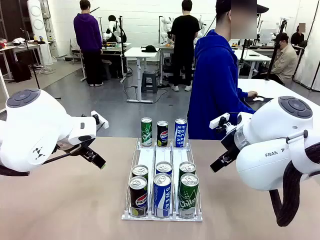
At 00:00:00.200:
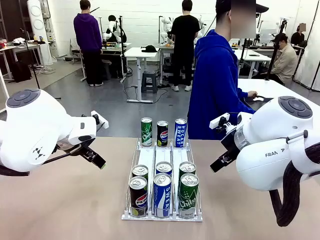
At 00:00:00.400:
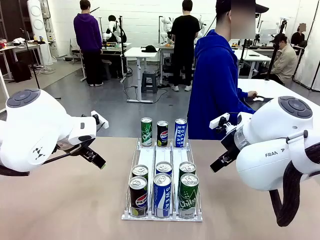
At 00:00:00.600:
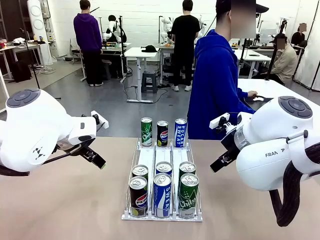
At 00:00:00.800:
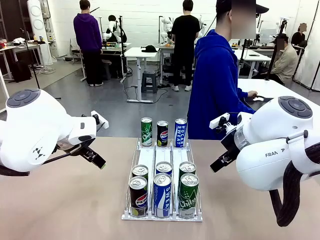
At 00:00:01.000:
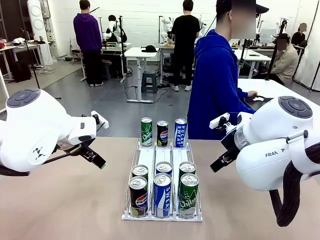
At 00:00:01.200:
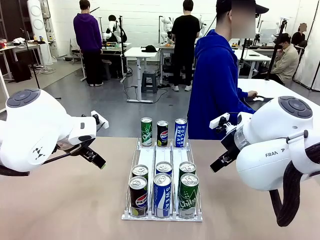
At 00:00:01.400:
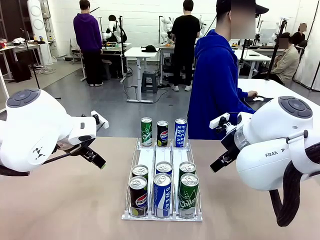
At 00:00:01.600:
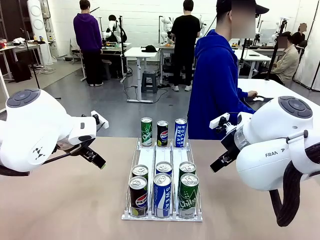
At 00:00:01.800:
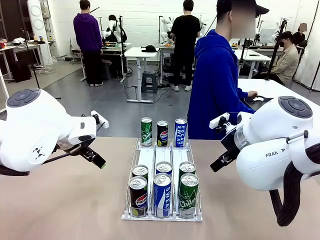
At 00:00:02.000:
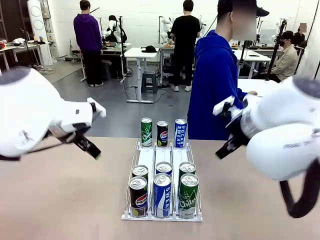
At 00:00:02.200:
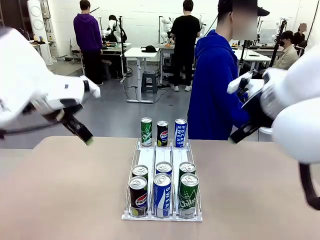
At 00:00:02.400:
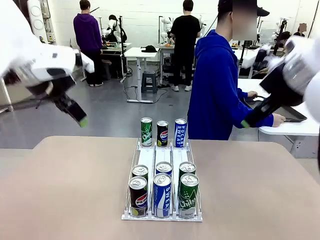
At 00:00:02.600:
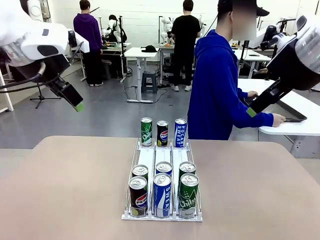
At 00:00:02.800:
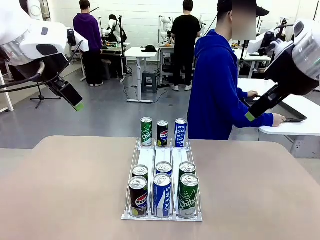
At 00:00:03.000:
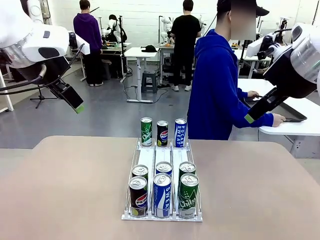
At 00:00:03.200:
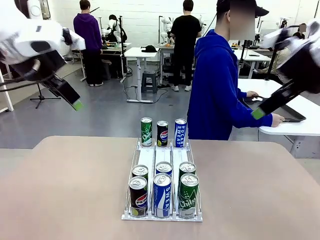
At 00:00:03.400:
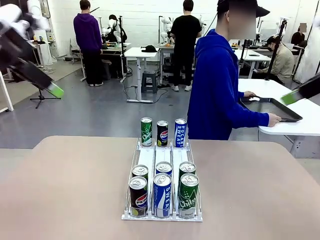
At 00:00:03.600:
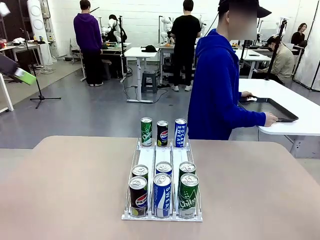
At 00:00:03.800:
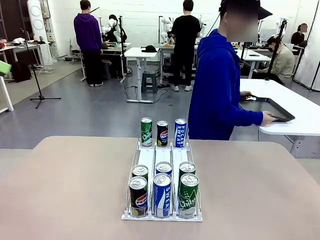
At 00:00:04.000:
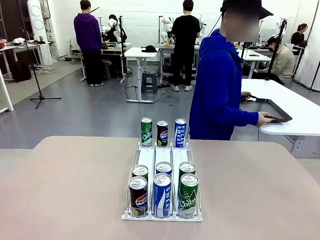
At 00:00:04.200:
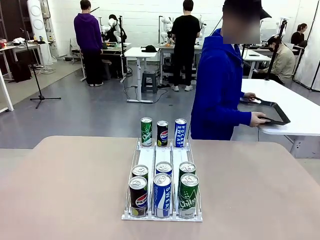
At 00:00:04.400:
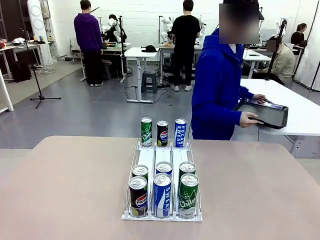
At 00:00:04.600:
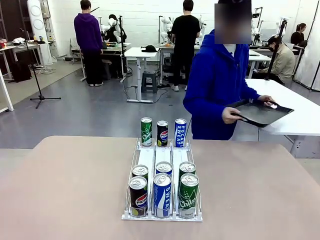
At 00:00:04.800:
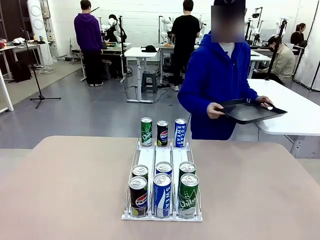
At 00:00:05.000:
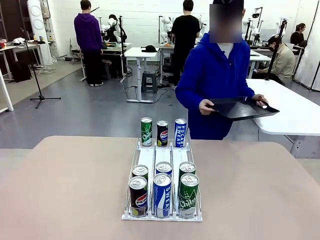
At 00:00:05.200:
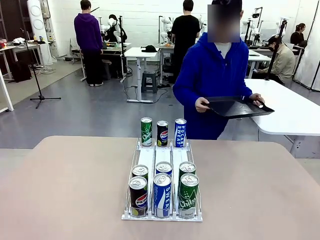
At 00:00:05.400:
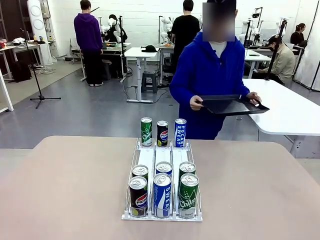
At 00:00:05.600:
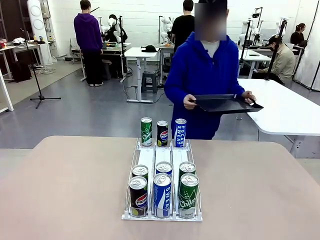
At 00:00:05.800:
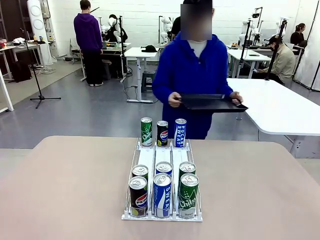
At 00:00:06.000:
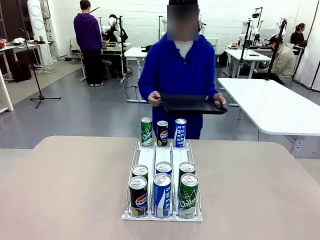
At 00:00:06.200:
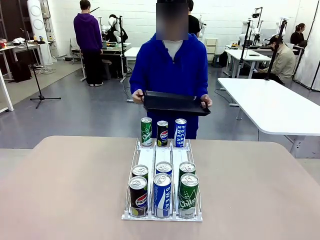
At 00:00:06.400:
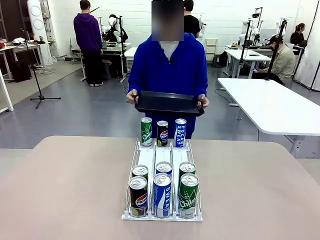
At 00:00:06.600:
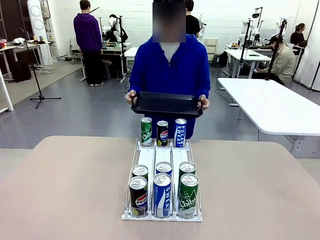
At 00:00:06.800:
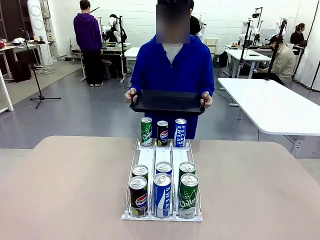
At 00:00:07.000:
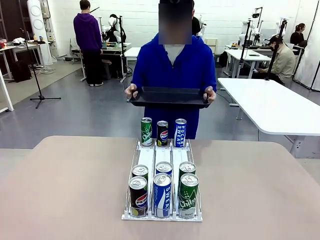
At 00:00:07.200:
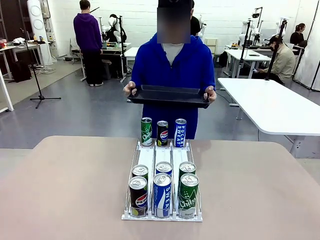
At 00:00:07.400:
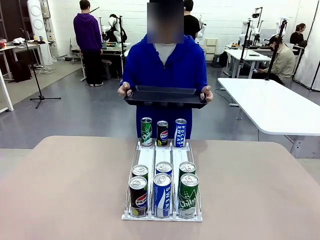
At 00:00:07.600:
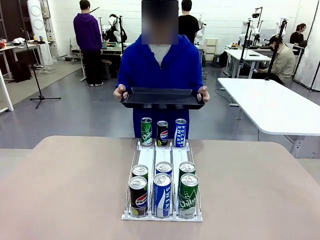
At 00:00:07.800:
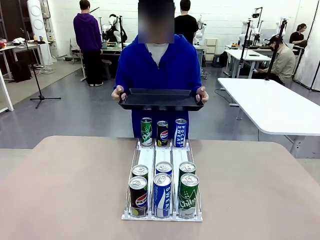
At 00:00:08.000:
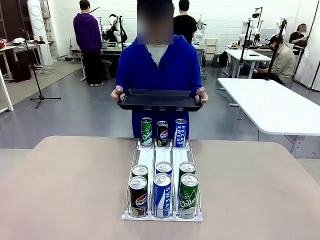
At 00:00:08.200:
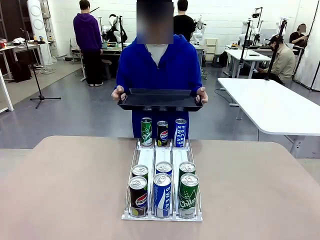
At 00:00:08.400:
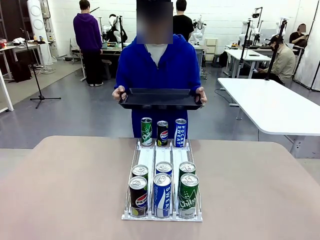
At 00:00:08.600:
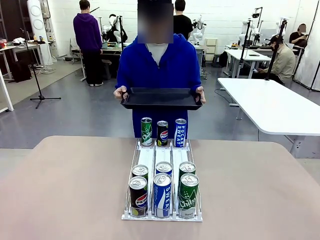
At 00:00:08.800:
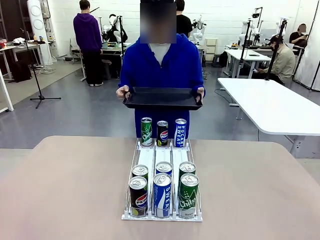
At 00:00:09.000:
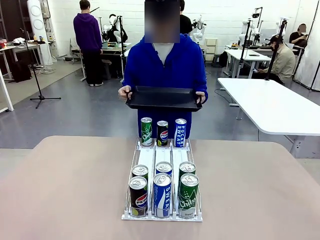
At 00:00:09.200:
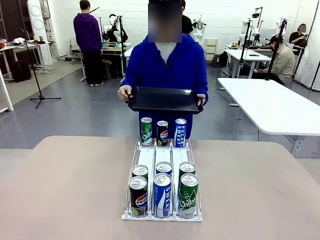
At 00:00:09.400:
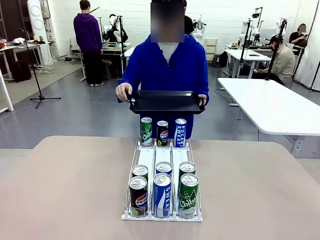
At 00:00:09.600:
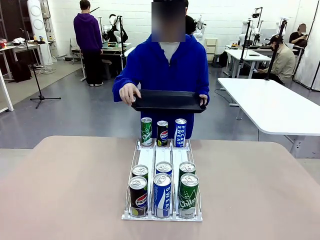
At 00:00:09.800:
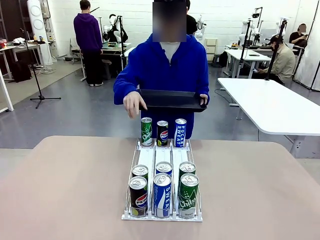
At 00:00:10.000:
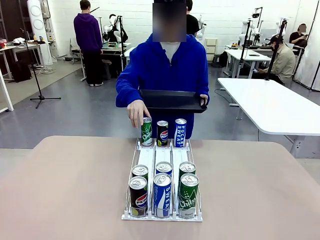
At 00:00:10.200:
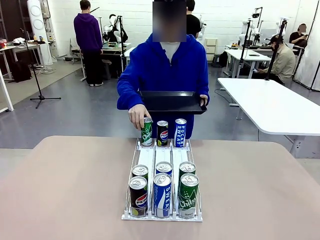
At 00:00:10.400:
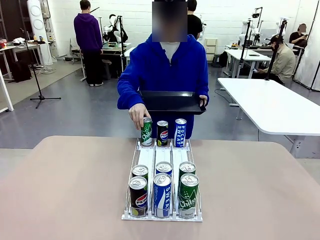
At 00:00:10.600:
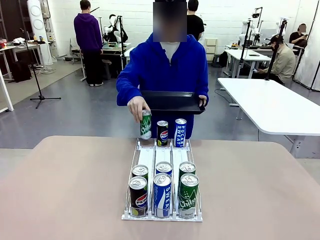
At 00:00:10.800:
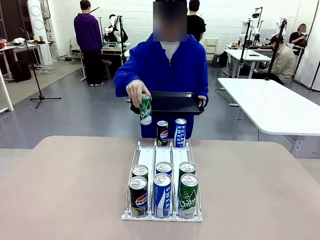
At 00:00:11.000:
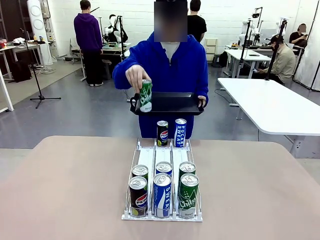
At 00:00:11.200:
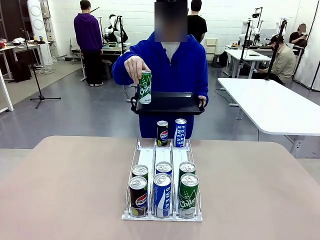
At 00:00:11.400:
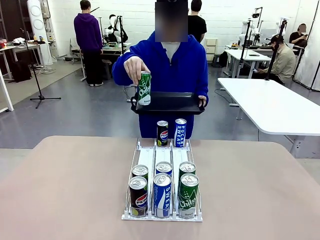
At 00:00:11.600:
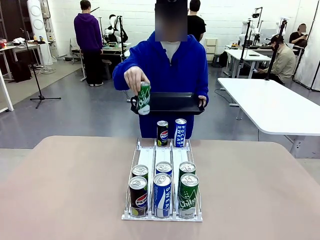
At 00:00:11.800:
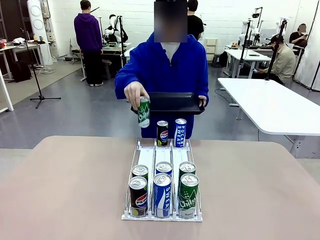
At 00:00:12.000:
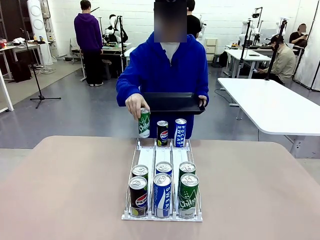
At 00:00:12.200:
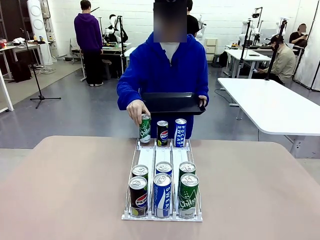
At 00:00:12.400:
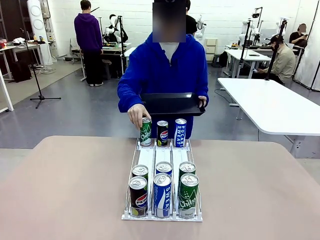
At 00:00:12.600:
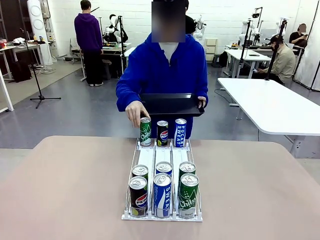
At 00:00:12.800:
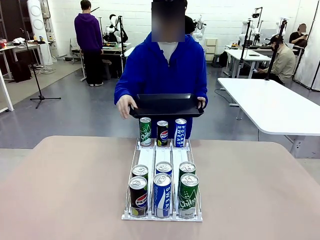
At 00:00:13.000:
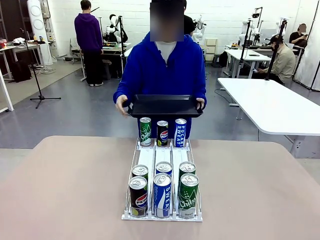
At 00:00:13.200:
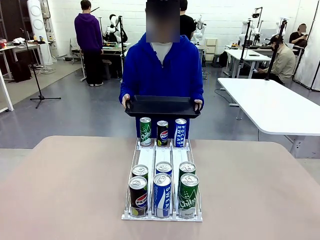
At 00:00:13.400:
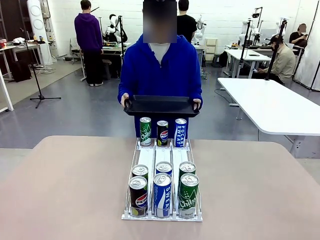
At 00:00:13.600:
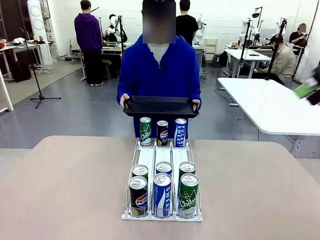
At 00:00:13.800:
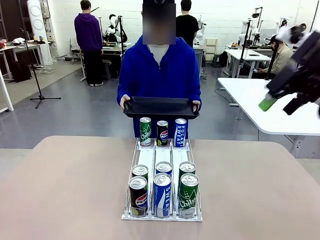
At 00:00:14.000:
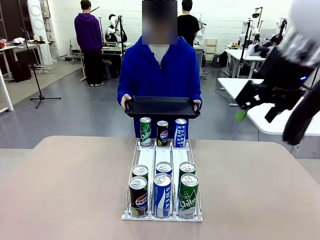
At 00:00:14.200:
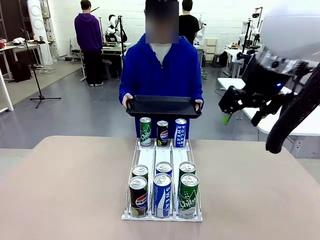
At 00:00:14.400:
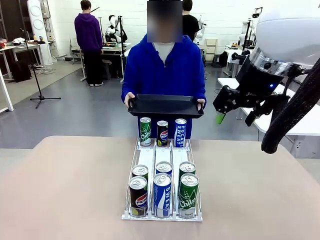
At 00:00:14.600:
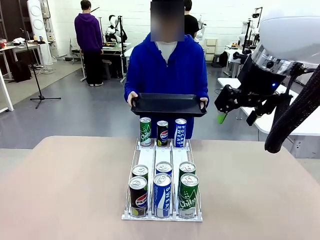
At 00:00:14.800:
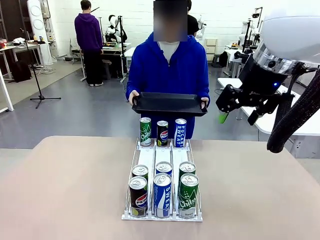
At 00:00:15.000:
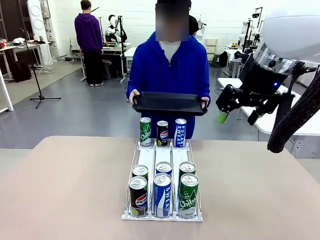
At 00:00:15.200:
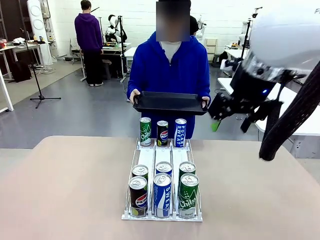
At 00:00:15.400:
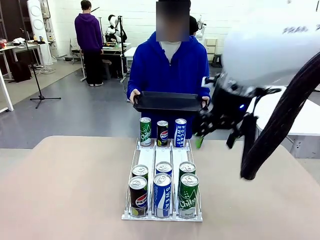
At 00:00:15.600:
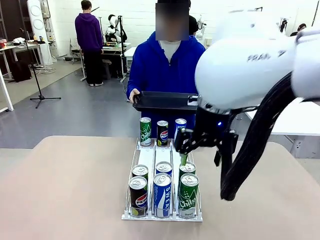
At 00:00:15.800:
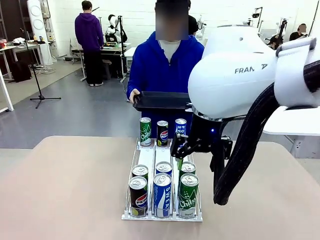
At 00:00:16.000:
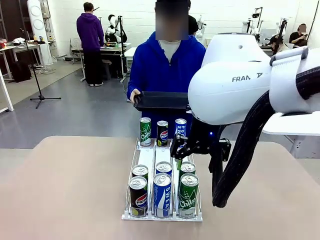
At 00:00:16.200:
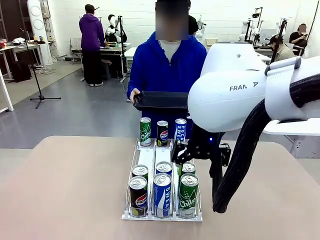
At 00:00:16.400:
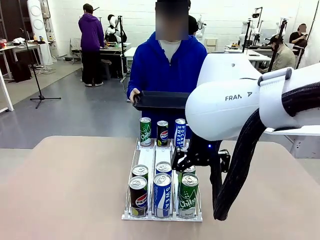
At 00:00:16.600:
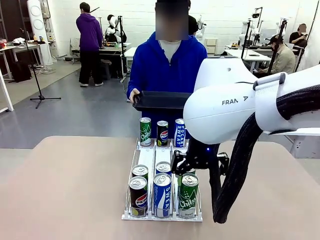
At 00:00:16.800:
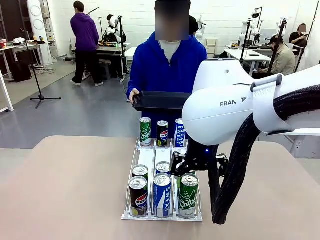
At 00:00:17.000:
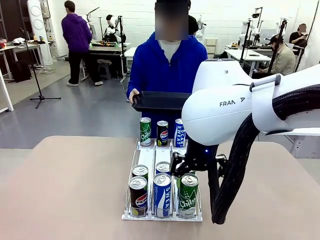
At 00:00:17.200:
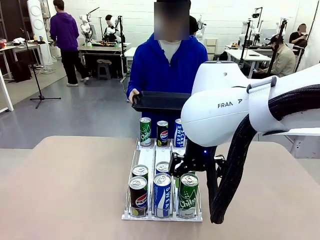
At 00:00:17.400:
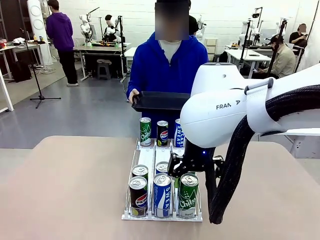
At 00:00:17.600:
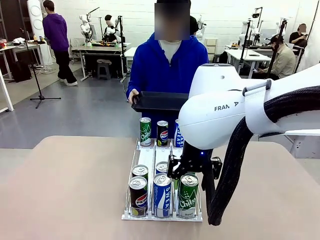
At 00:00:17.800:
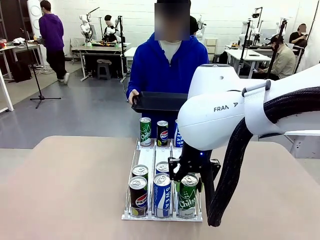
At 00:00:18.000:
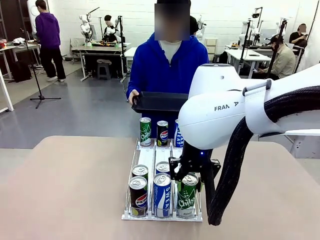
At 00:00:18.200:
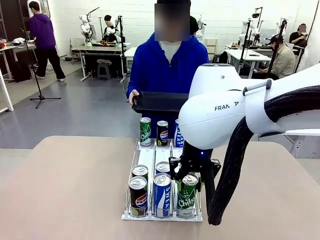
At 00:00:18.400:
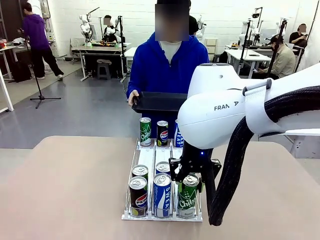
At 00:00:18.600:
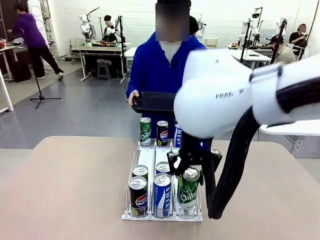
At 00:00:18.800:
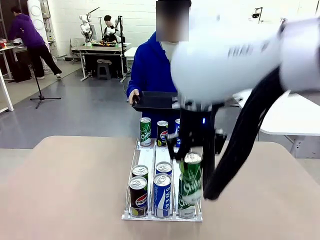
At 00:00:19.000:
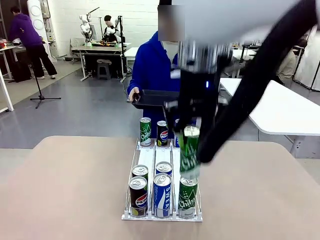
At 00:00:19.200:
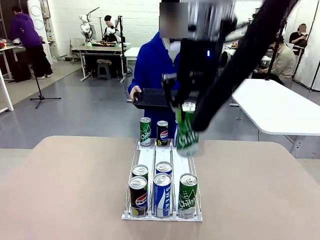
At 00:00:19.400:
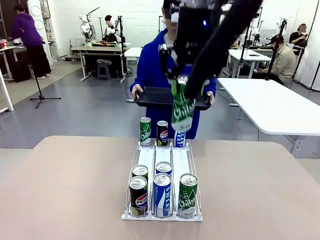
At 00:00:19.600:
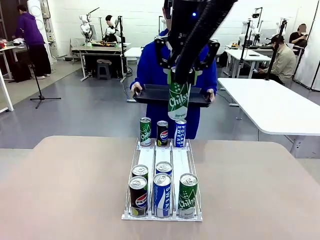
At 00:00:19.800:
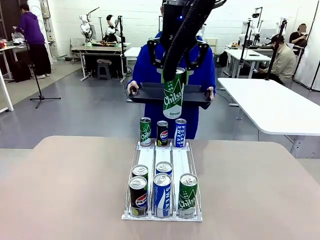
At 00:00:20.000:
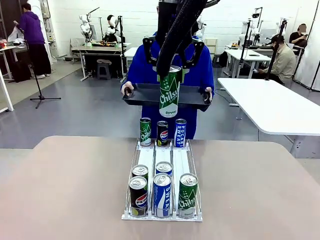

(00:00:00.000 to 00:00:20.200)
Task: Retrieve and hand over the desired beverage to the person.
Robot: Pick up a can of the same type that the person held from the Automatic Can Dispenser.
Person: Hold the tray and position yourself in front of the robot table. Pick up one can from the bottom area of the table and puts it back in its original place. Push the tray toward the robot.
